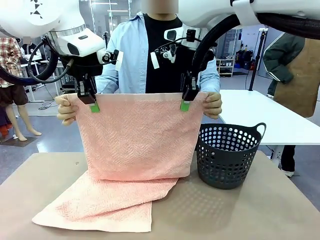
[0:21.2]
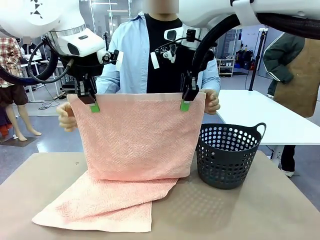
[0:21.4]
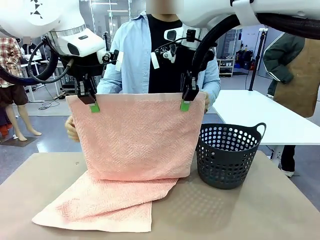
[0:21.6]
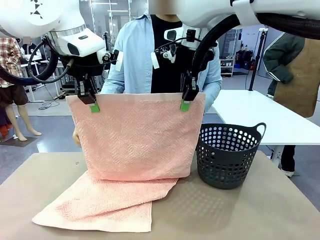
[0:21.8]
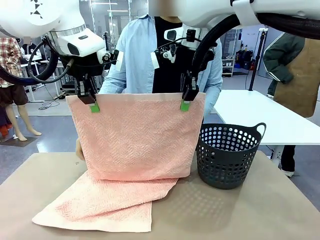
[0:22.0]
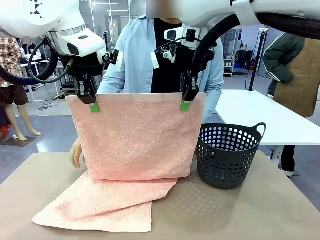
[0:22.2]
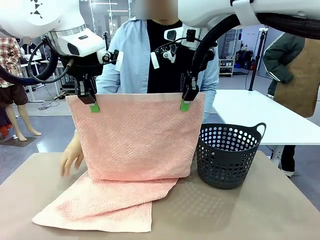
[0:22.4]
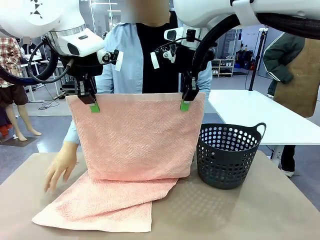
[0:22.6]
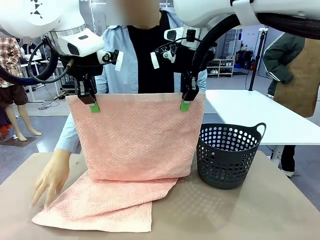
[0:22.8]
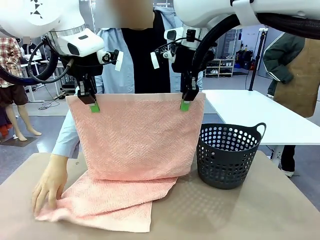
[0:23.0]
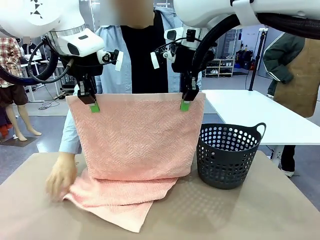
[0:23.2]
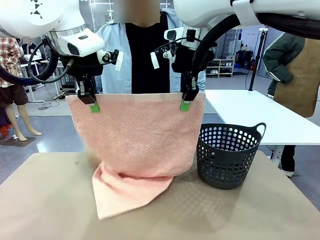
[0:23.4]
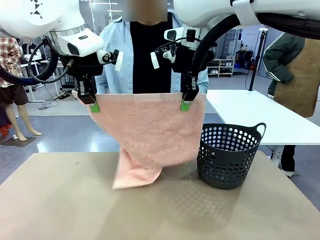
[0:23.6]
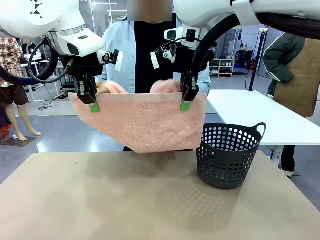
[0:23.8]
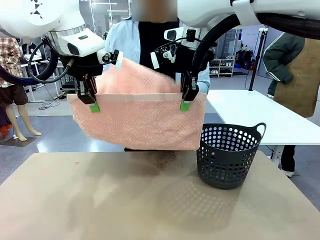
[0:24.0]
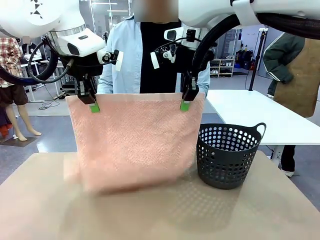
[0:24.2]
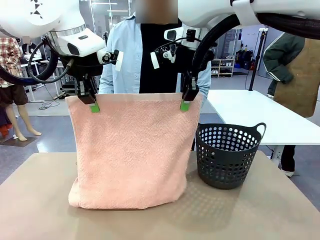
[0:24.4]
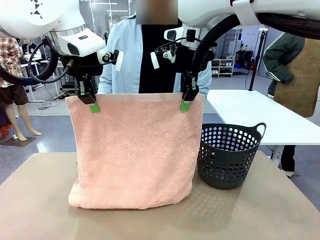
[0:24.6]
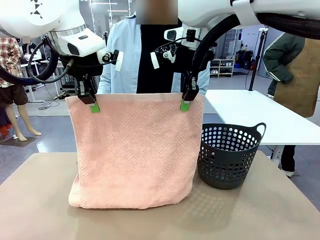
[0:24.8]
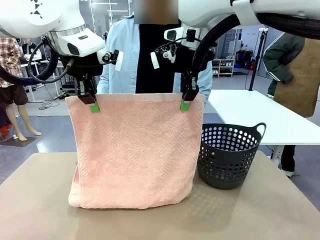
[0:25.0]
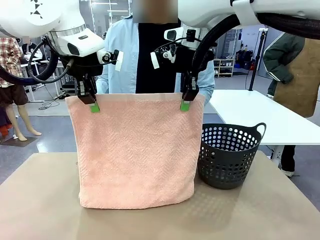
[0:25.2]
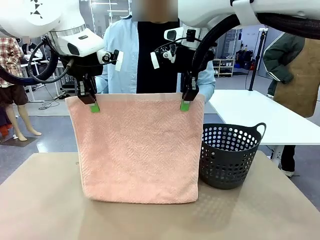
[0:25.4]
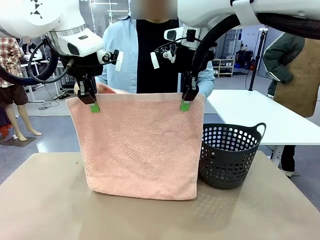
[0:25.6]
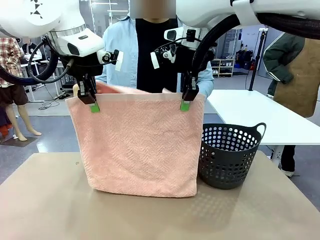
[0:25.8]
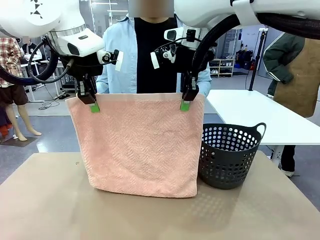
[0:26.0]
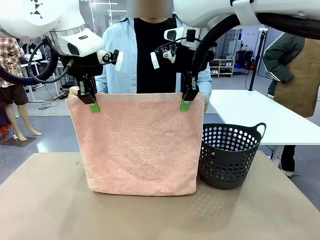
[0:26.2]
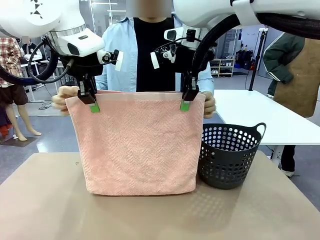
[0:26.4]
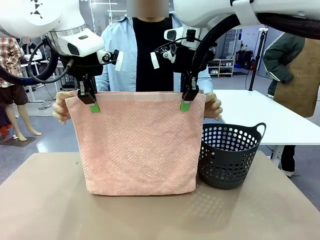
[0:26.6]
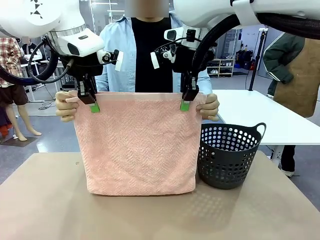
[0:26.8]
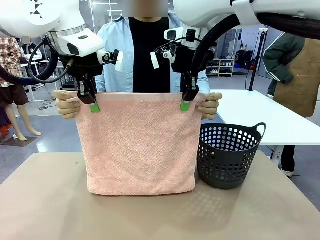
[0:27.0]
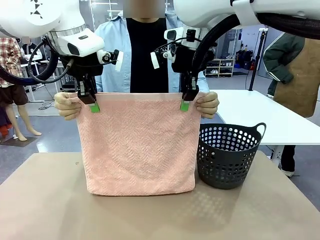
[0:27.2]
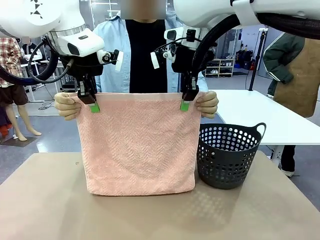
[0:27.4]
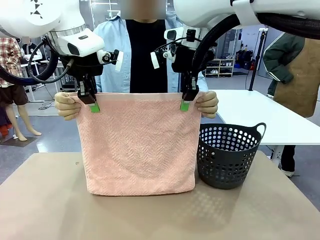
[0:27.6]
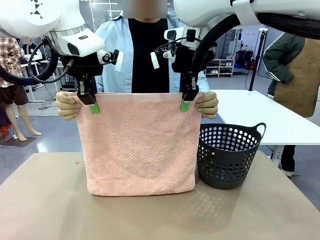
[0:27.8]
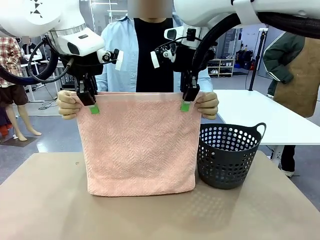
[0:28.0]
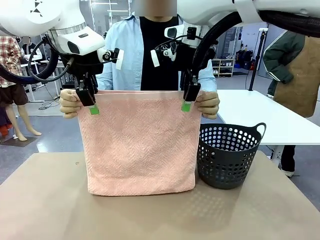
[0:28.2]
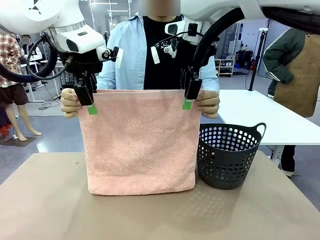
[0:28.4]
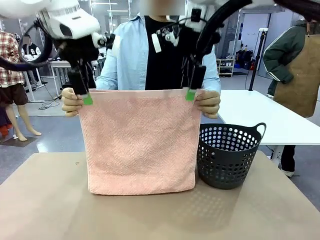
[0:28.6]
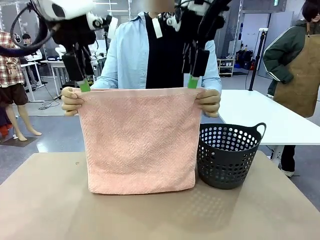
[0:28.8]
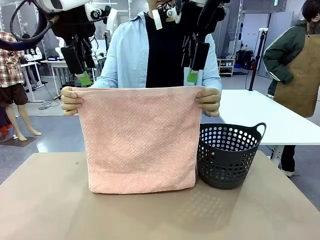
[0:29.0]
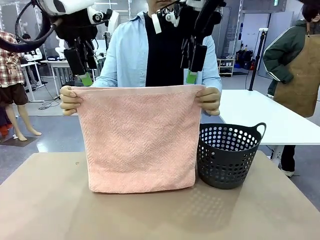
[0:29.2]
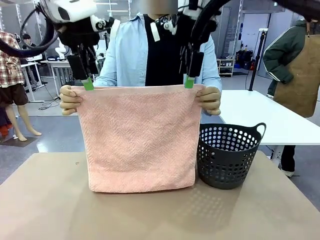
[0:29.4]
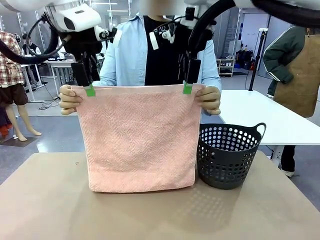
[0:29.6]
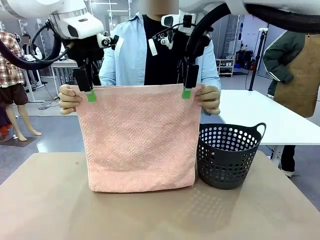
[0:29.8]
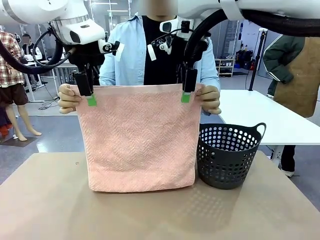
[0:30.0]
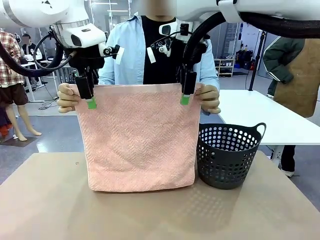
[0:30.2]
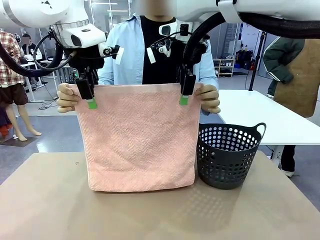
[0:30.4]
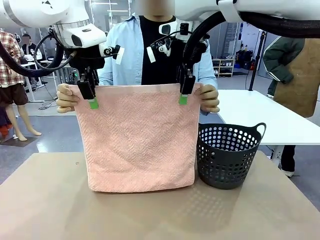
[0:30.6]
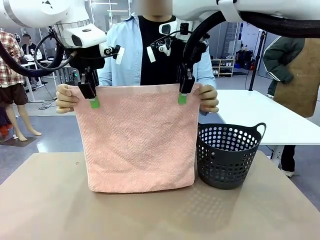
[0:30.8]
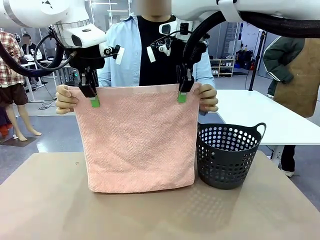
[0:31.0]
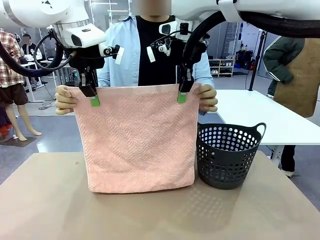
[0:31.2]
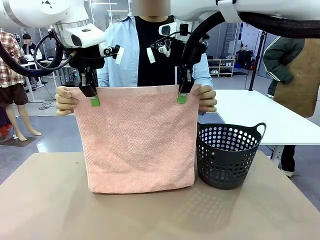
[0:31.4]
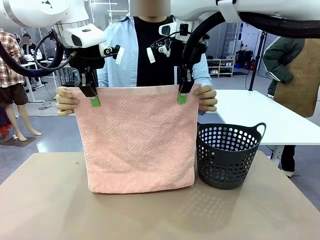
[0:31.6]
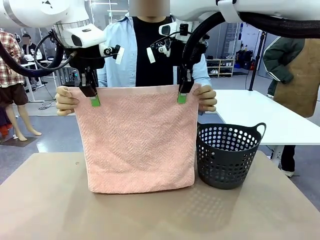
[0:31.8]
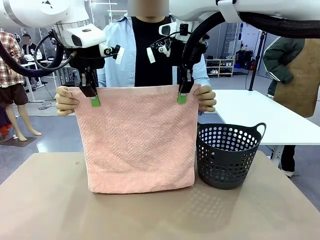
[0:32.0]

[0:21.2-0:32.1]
Task: Fold the towel.
Robot: Release the end of the 100 cm Hotel Towel you were holding and grab the top end of the folded side.

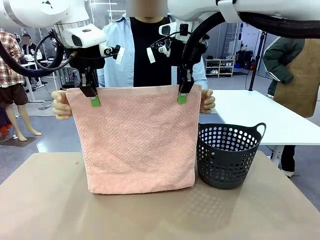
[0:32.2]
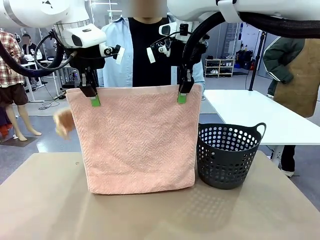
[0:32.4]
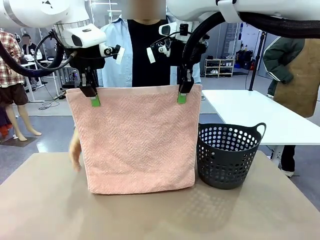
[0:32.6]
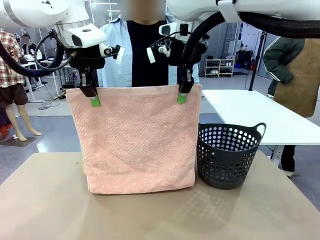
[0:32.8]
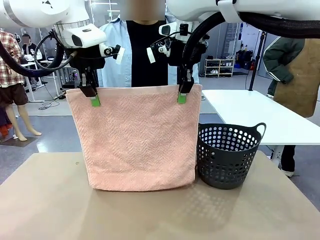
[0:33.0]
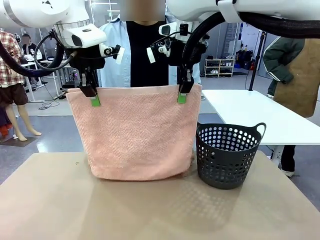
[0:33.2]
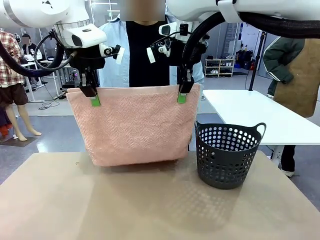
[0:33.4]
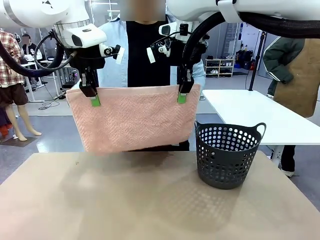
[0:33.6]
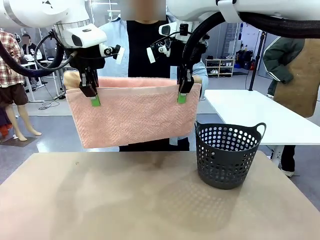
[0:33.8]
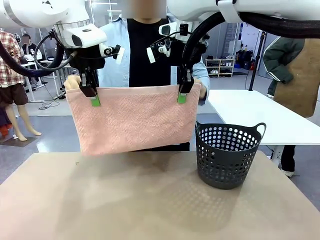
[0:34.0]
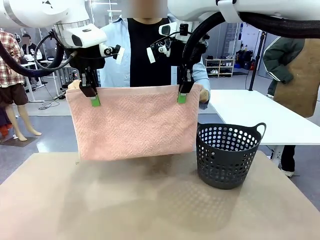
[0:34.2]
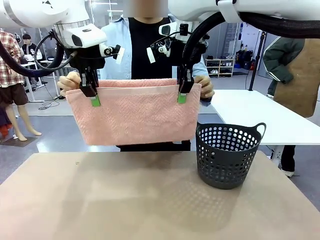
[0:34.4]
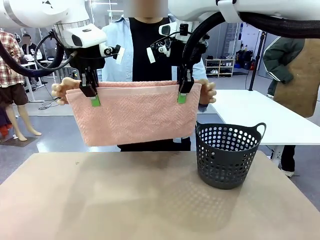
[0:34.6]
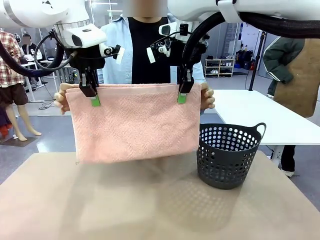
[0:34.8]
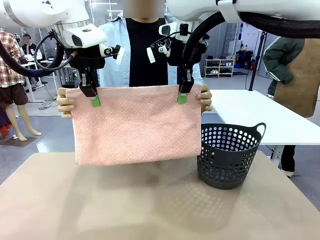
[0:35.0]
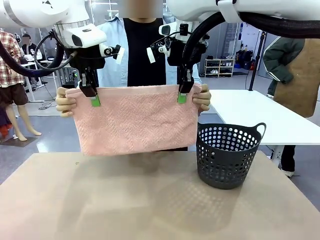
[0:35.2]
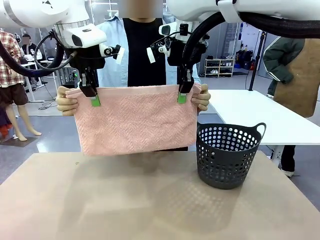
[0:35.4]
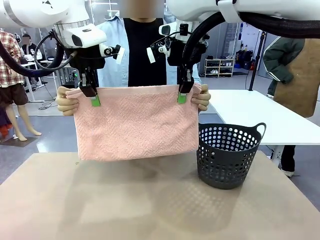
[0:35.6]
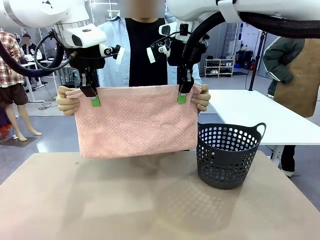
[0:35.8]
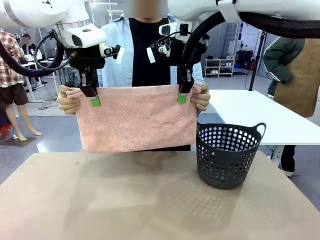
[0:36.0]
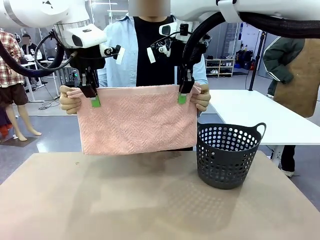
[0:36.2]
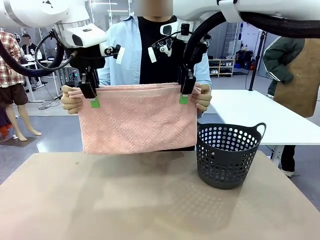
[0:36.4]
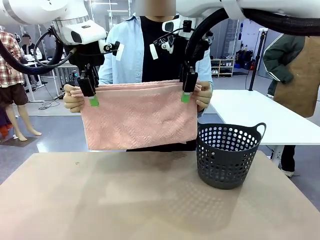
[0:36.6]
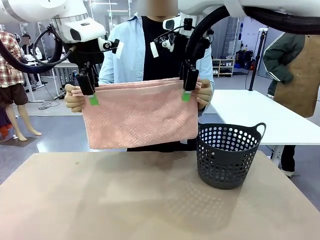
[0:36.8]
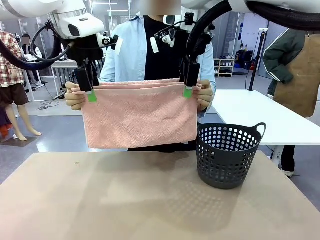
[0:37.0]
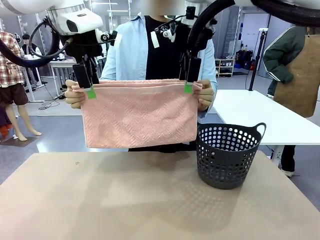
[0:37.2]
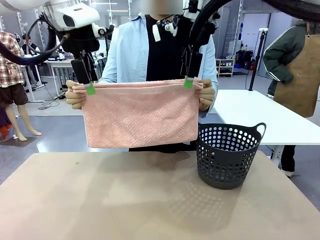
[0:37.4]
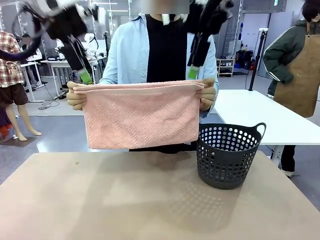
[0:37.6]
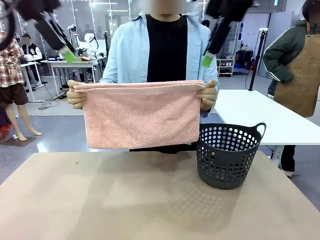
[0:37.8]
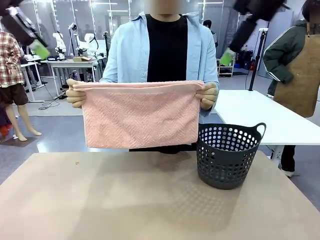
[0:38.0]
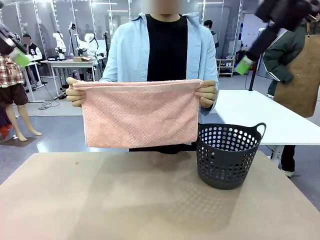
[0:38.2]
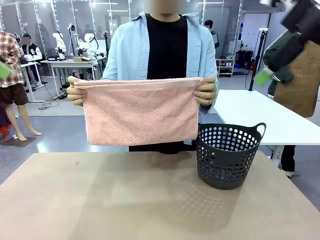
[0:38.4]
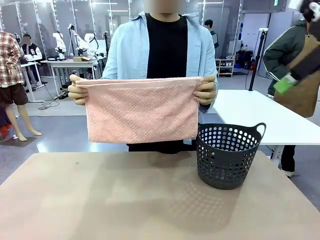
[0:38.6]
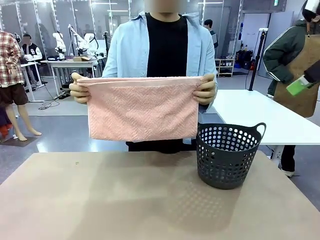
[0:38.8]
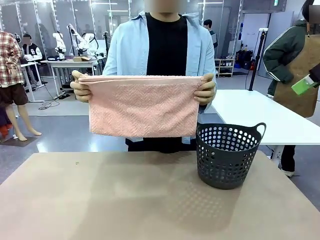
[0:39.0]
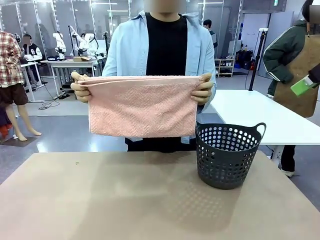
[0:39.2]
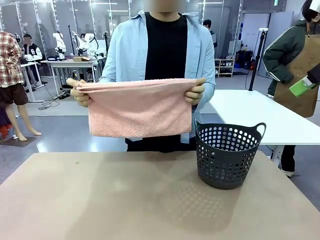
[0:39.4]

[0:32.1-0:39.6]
Robot: Release the end of the 100 cm Hotel Towel you were holding.
Person: Place the towel at the center of the robot table and fold it in half.
